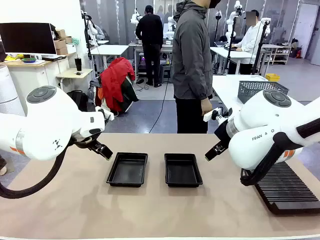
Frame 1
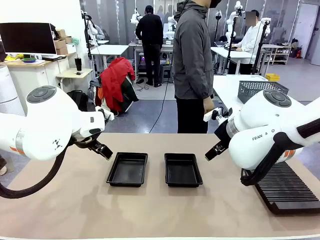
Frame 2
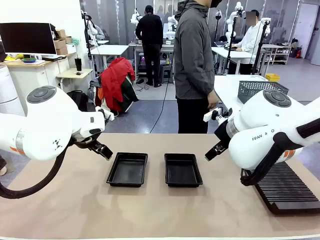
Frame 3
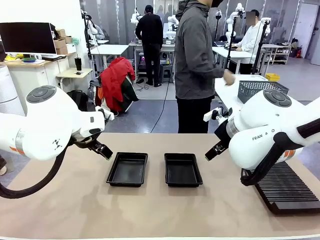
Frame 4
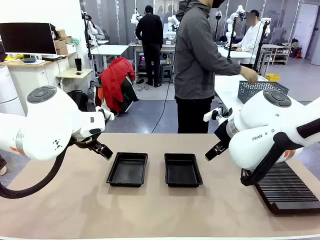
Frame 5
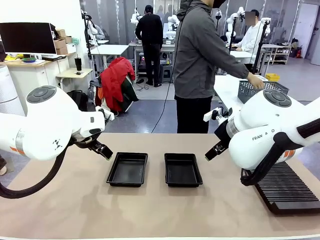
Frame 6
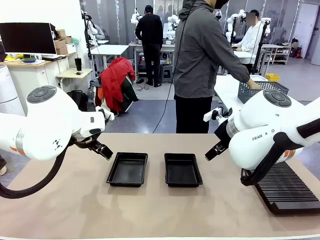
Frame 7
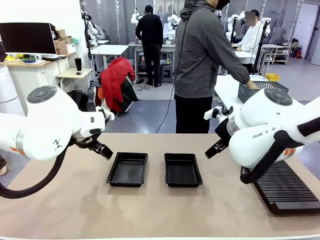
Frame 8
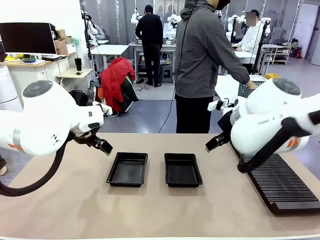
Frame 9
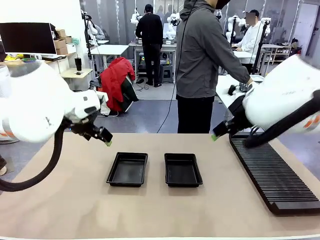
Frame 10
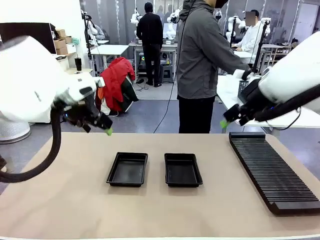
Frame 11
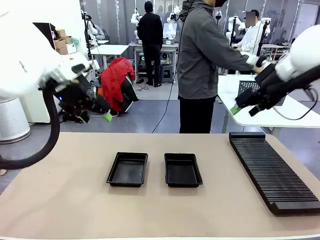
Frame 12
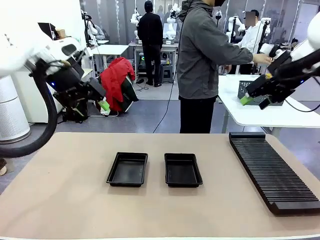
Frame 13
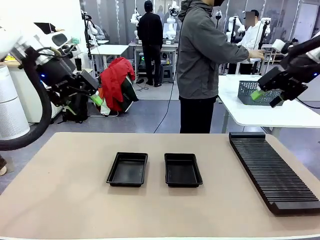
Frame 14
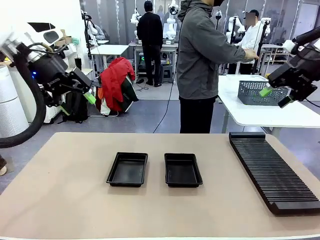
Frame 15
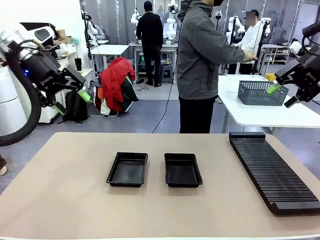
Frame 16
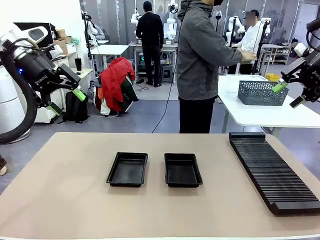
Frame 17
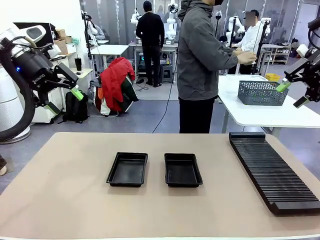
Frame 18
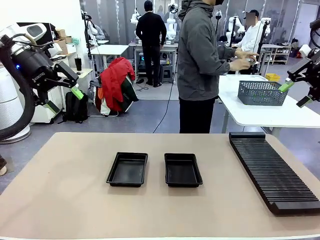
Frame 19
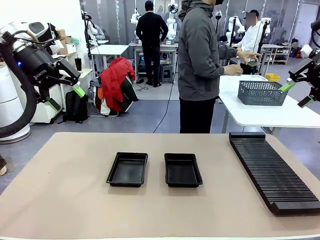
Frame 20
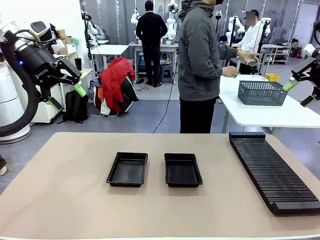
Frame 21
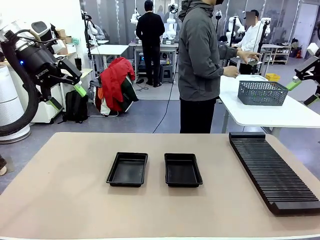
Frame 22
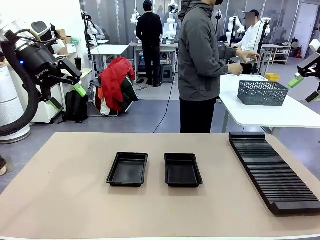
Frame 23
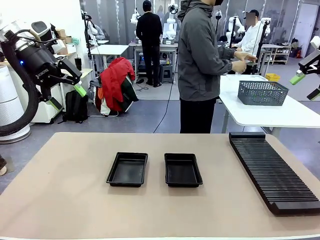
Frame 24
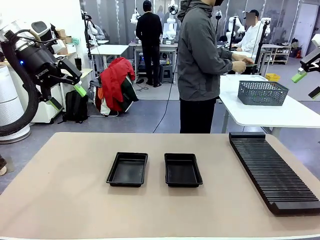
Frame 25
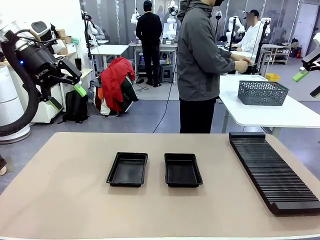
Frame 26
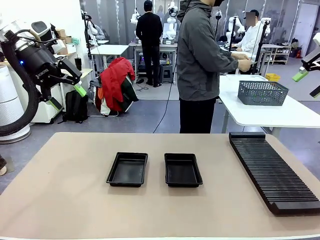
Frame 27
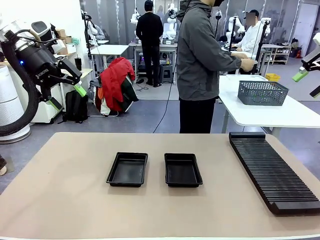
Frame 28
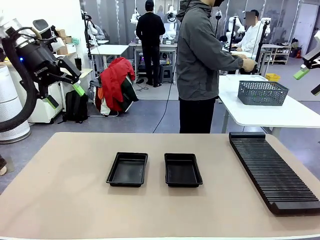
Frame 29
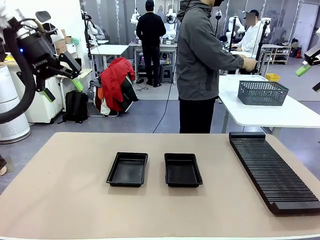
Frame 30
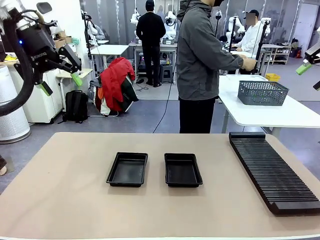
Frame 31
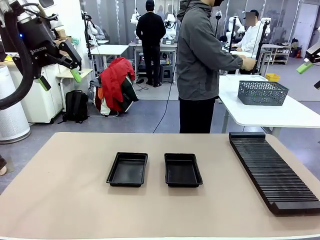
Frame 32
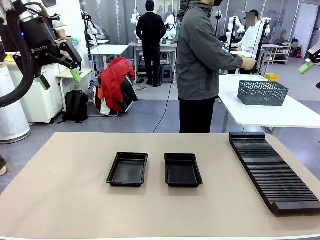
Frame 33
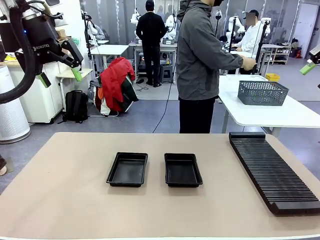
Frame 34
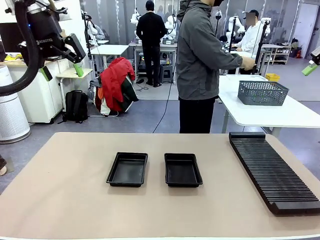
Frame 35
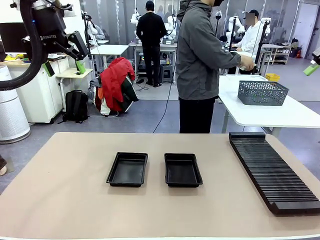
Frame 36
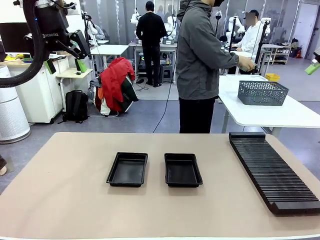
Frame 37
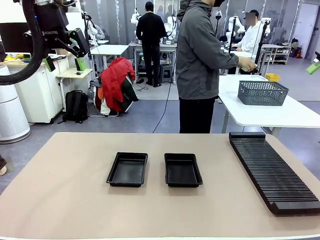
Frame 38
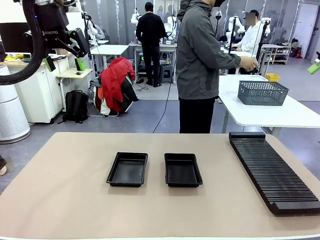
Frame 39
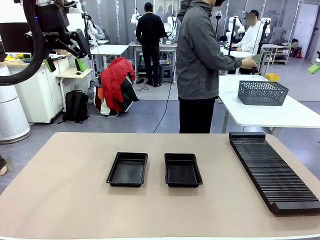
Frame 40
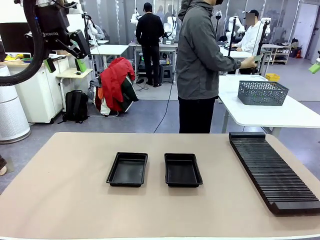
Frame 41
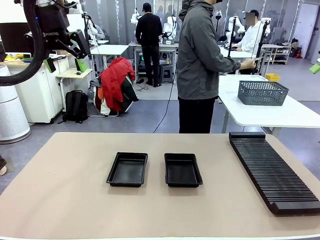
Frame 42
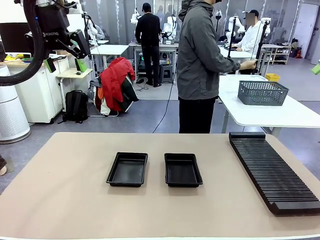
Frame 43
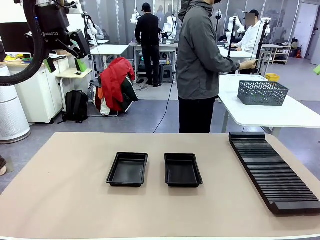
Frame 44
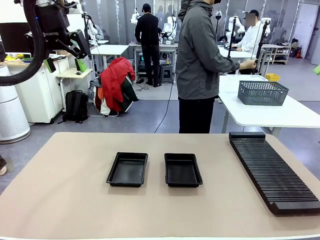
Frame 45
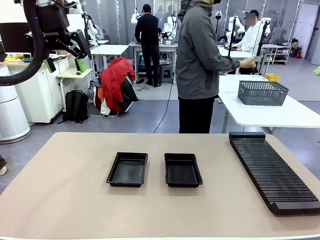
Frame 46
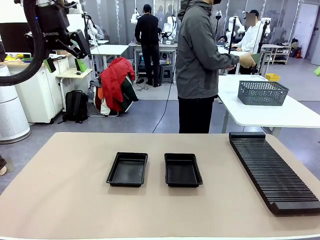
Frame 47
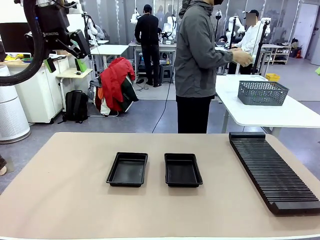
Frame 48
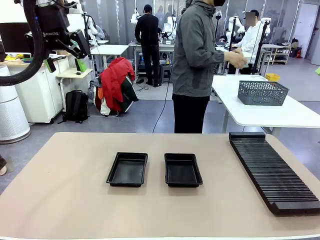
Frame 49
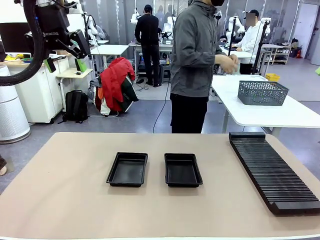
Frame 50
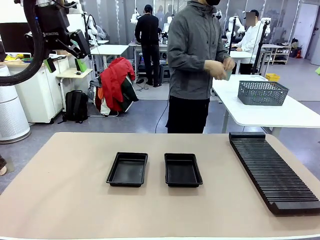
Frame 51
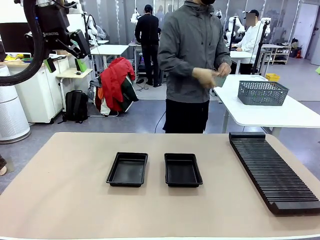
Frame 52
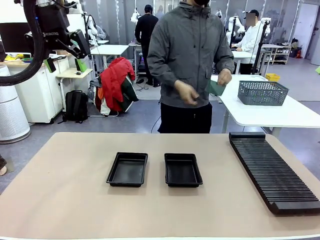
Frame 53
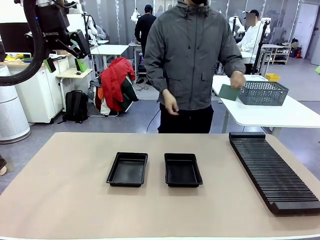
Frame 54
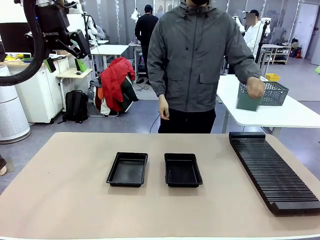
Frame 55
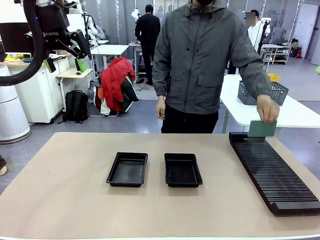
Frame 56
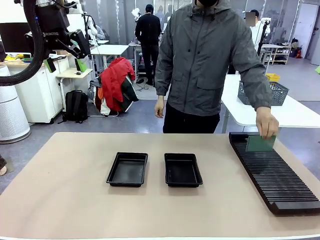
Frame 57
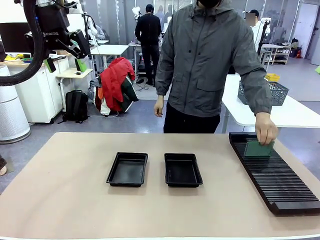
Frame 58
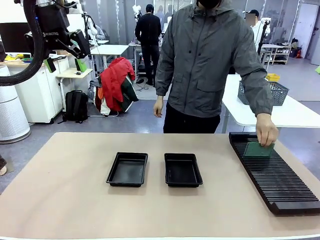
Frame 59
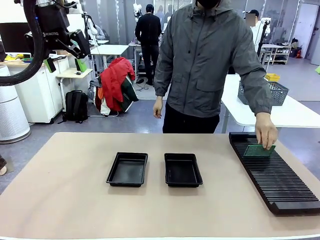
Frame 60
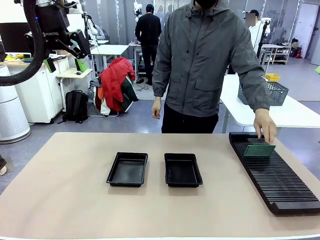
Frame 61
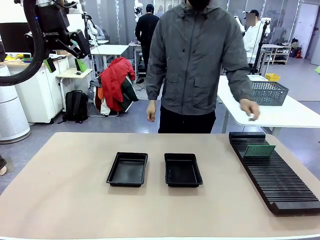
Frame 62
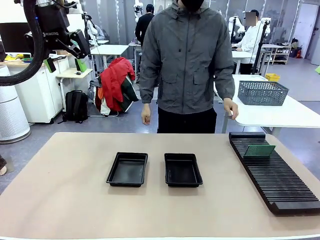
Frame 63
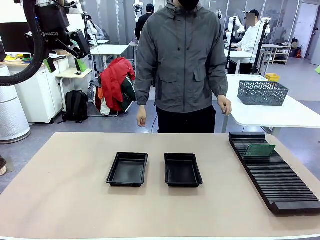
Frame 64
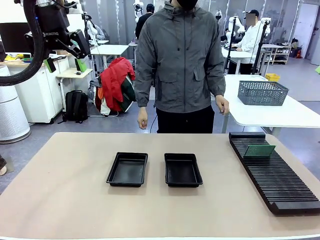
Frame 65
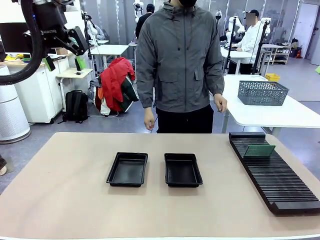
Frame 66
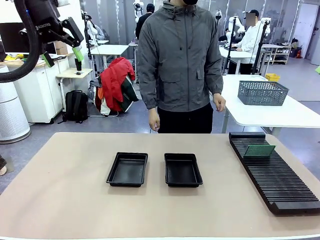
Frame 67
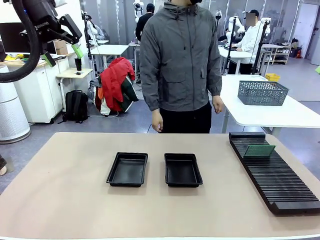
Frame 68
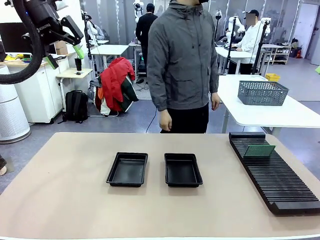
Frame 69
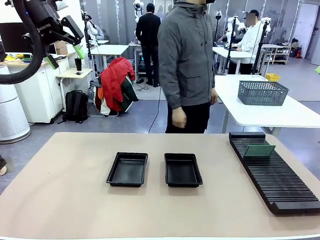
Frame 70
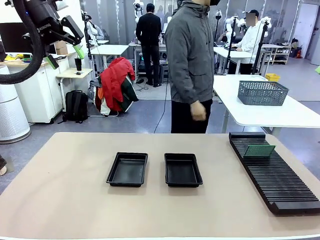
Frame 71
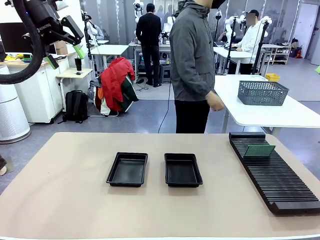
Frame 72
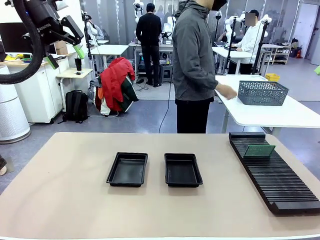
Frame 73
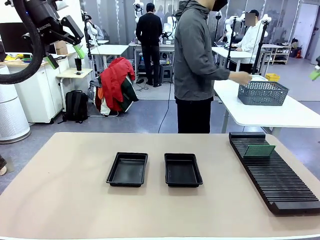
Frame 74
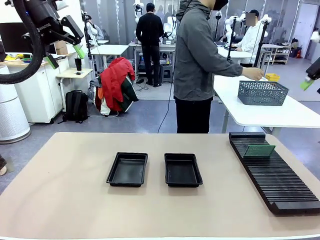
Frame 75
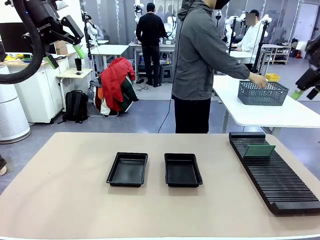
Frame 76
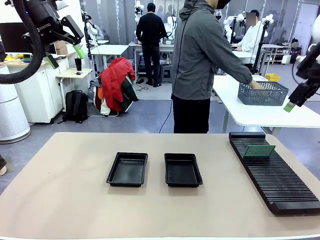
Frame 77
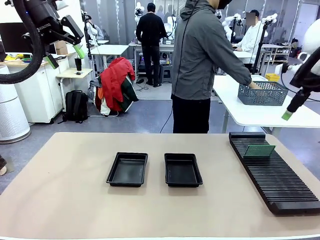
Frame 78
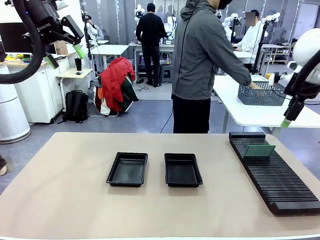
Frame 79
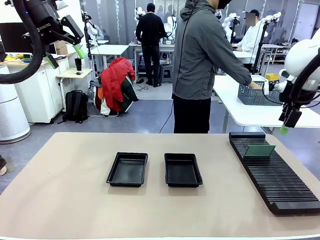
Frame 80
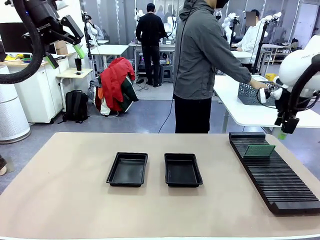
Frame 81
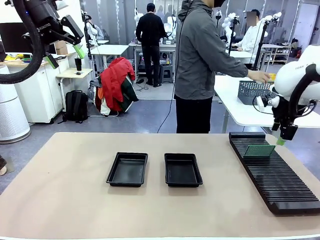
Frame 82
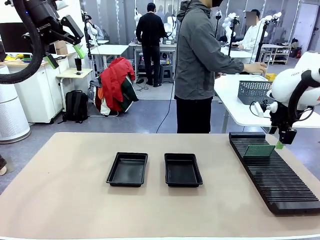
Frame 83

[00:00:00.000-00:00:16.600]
Task: Inspect and transfer BCBs to ESD trays.
Robot: Pick up the Blank PCB from the PCB Rack and place it in the left ESD tray.
